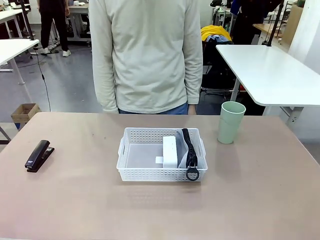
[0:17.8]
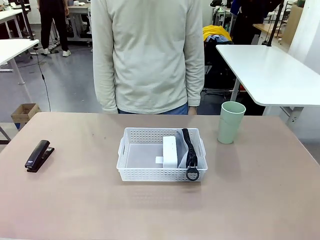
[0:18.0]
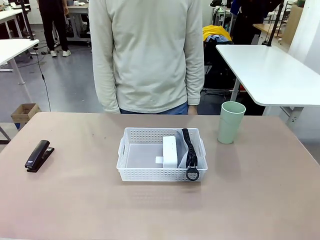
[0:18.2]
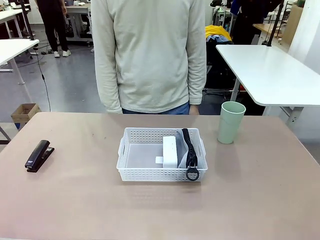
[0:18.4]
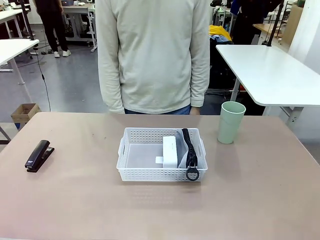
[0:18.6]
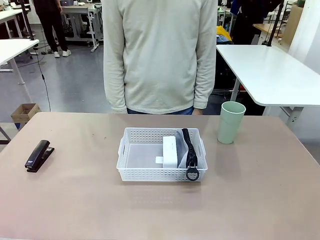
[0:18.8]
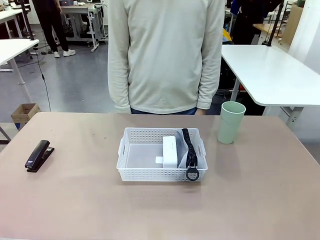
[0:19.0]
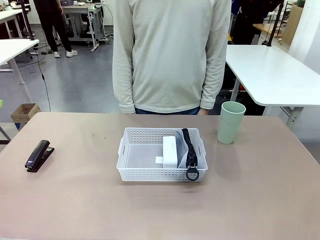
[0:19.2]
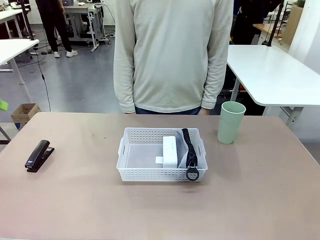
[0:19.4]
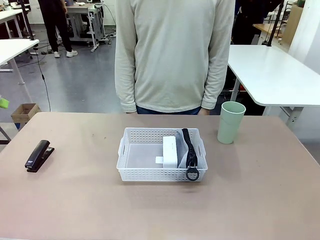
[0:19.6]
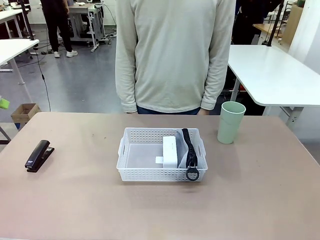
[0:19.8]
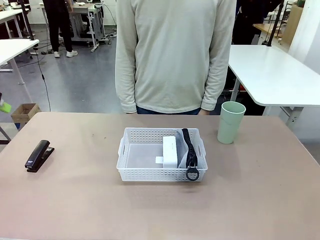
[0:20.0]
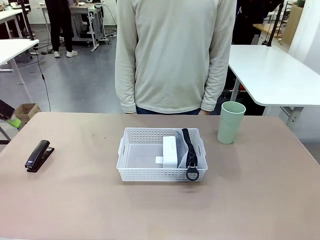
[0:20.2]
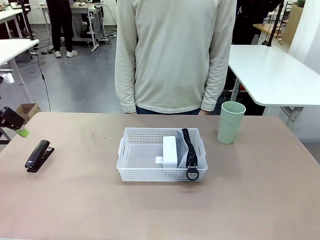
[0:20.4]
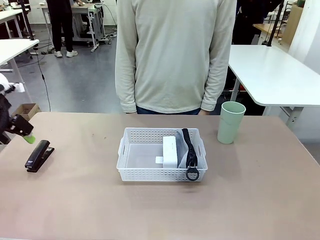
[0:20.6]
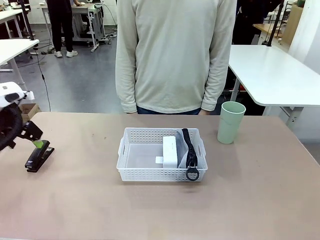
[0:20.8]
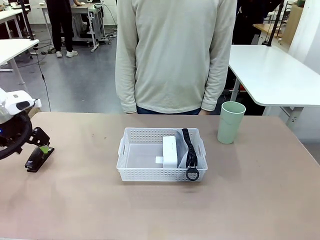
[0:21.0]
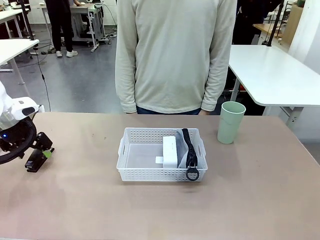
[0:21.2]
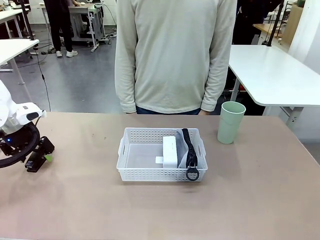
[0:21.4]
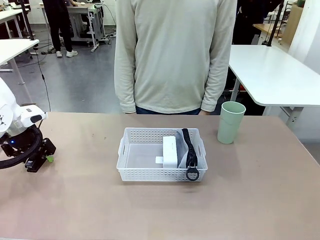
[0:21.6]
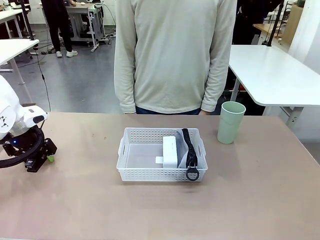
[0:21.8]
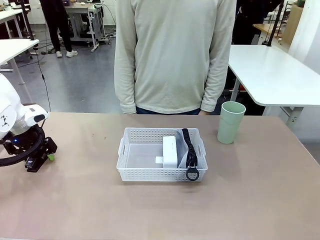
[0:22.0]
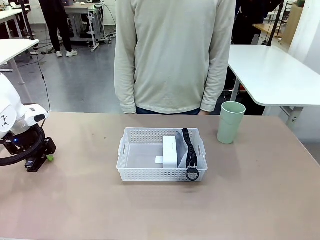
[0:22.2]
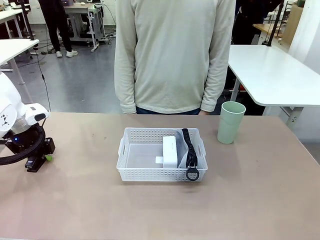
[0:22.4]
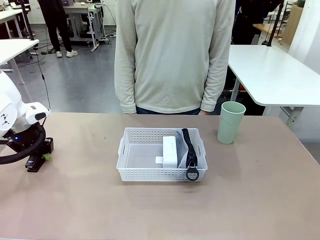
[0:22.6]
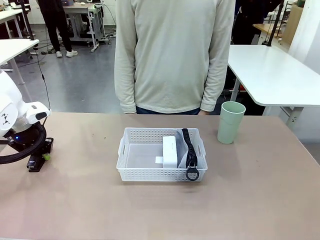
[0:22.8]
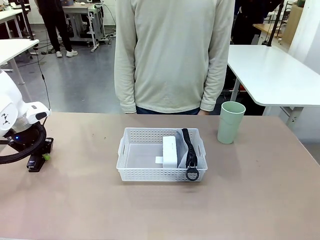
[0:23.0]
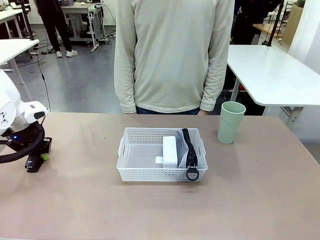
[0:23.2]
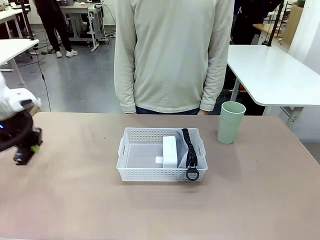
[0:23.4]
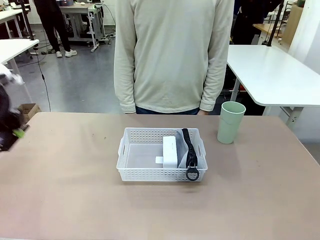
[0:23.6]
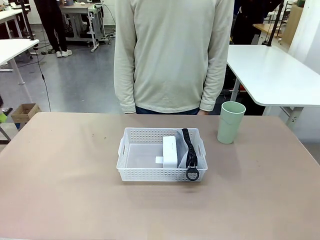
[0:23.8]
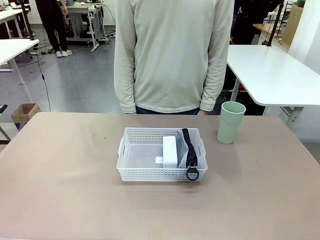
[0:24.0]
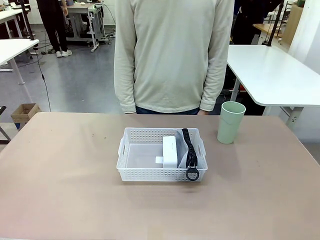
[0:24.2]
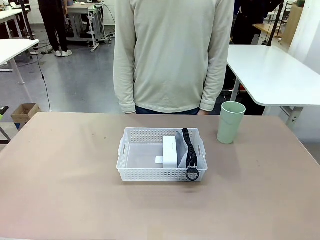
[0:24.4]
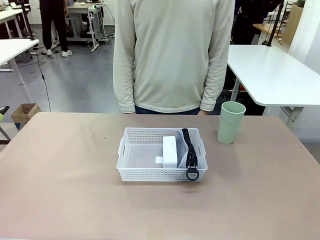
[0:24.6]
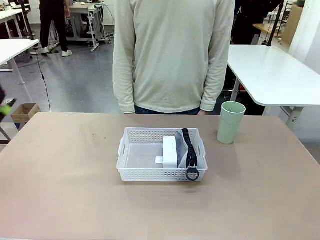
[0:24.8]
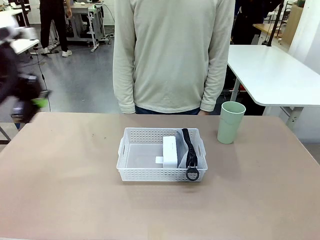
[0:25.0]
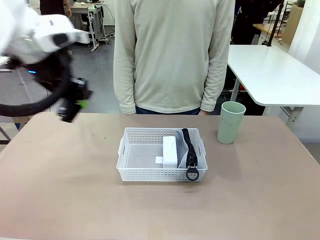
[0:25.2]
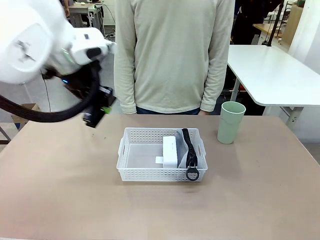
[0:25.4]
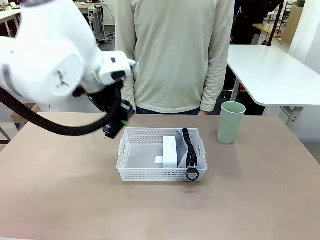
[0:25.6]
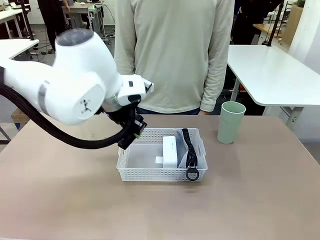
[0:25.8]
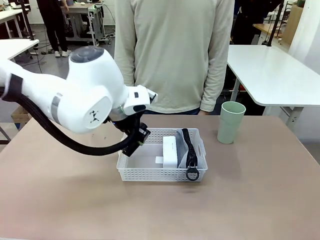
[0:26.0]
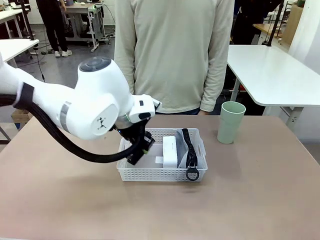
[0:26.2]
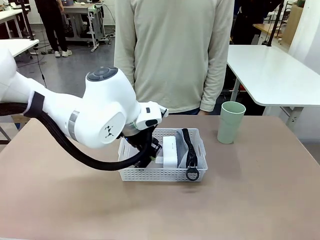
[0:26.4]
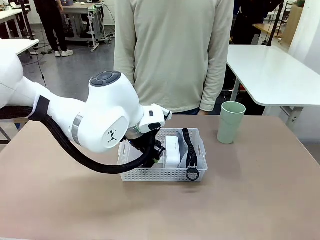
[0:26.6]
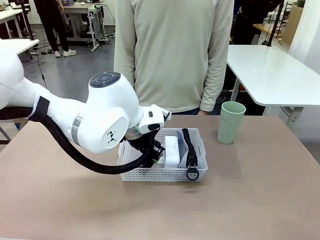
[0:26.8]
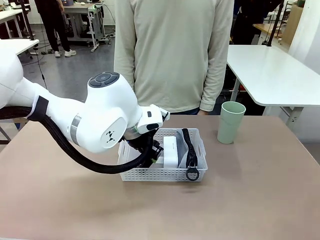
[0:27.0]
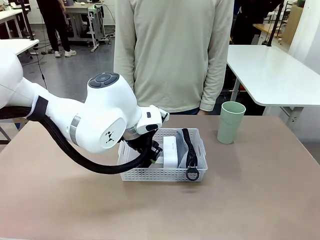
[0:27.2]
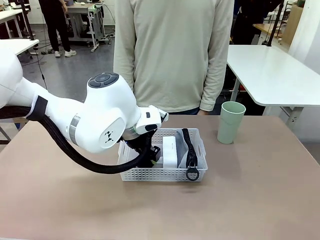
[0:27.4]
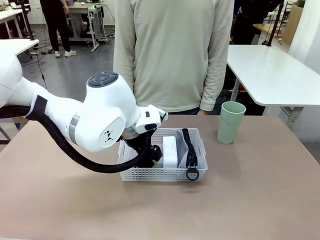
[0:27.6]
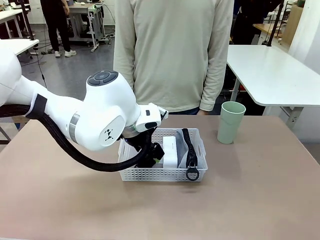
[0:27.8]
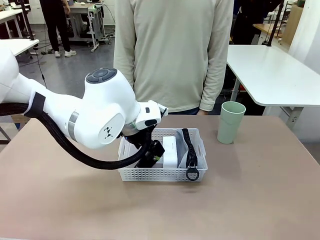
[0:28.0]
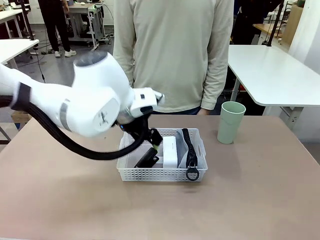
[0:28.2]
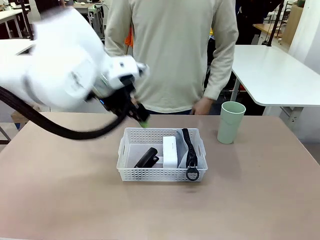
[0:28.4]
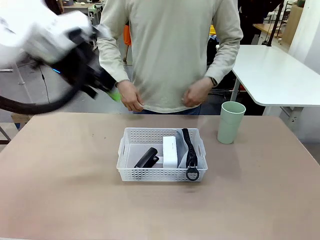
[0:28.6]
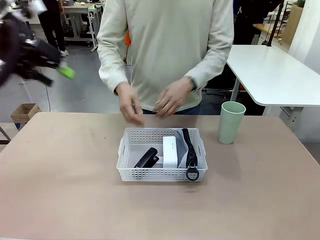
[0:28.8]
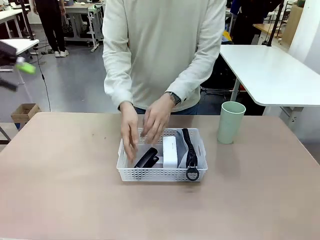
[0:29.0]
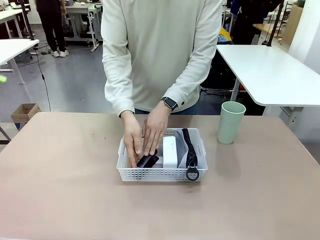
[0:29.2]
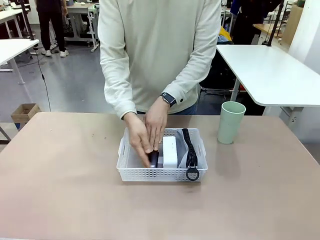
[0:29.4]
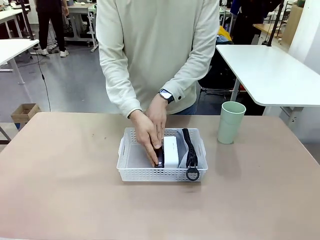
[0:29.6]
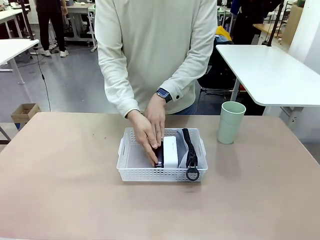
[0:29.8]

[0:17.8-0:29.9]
Task: Efficiently arrange items inside the basket to fit them all.
Robot: Pick up the Stapler and place it inside the Organizing basket.

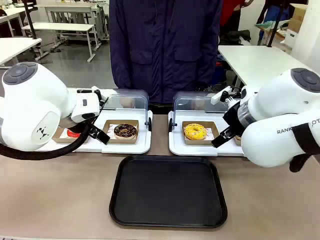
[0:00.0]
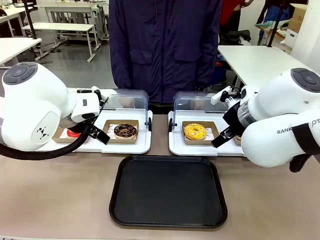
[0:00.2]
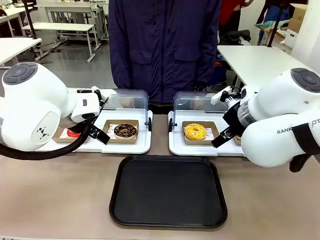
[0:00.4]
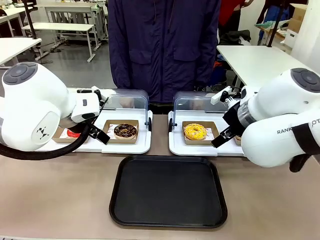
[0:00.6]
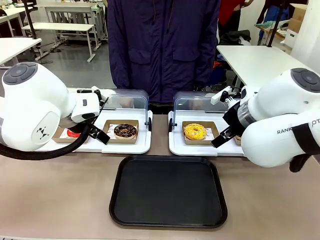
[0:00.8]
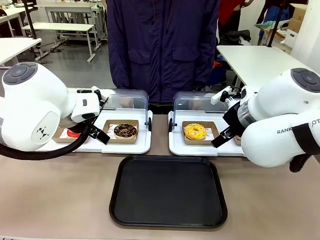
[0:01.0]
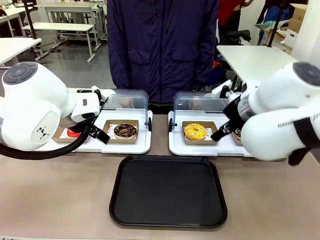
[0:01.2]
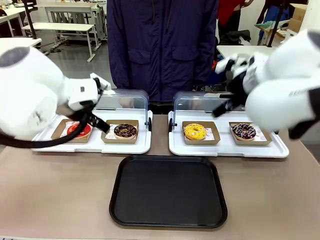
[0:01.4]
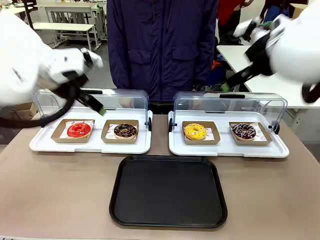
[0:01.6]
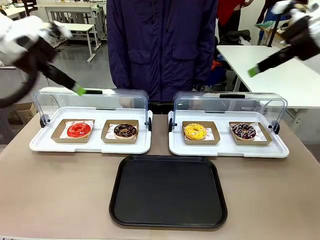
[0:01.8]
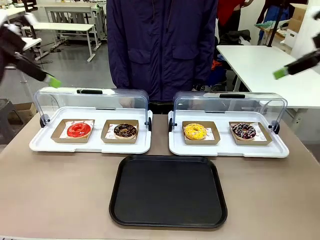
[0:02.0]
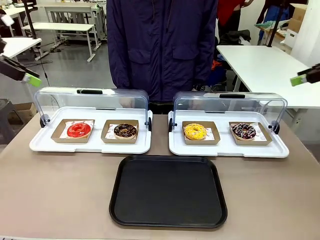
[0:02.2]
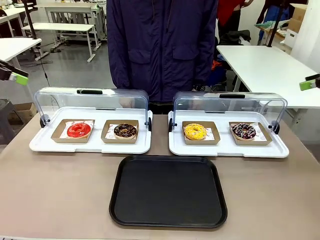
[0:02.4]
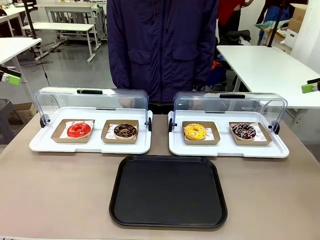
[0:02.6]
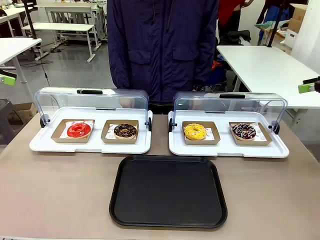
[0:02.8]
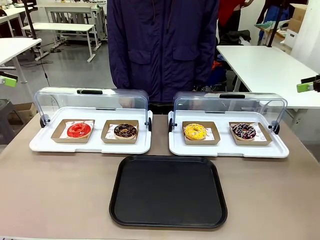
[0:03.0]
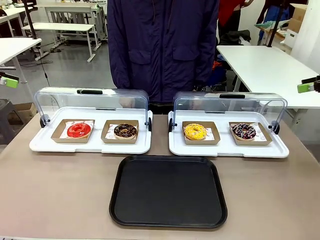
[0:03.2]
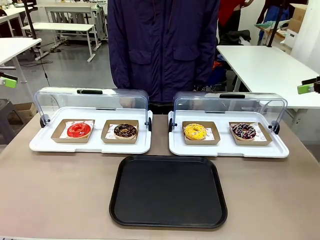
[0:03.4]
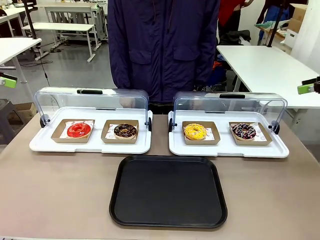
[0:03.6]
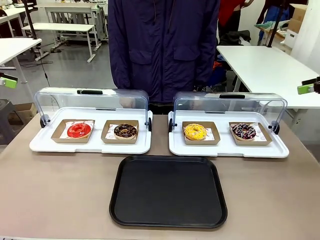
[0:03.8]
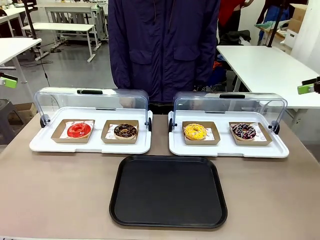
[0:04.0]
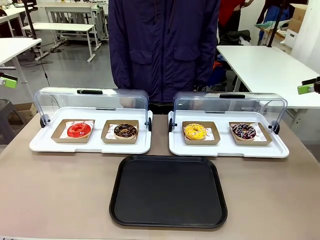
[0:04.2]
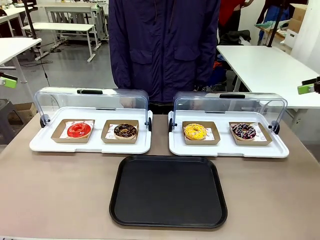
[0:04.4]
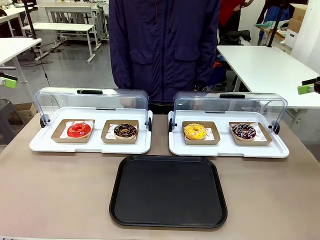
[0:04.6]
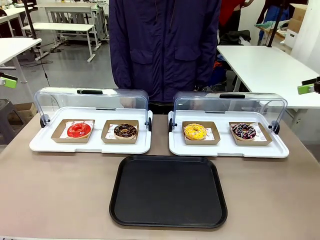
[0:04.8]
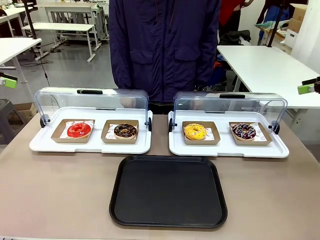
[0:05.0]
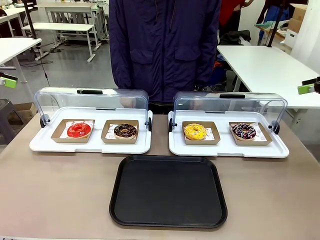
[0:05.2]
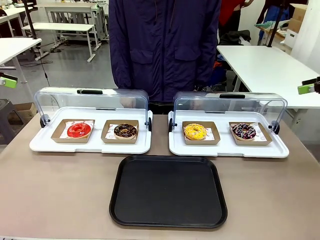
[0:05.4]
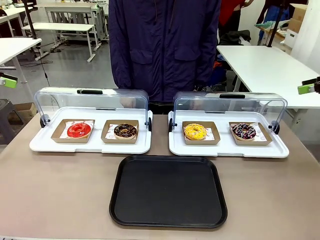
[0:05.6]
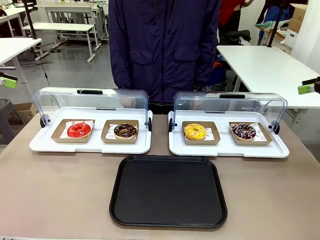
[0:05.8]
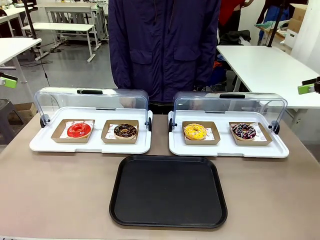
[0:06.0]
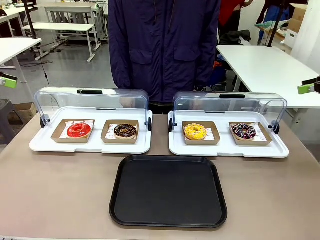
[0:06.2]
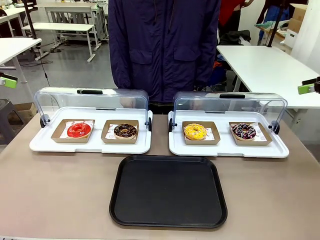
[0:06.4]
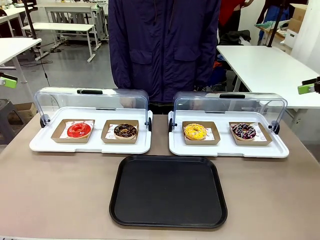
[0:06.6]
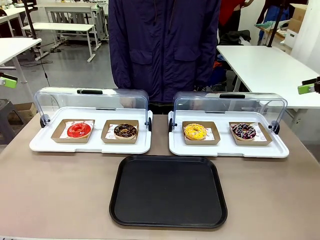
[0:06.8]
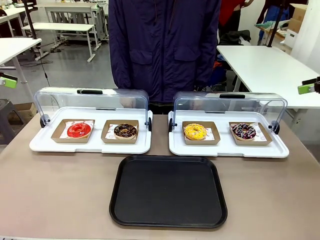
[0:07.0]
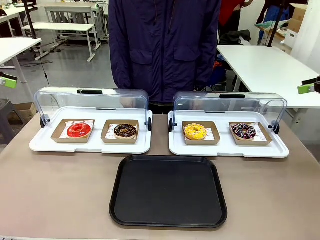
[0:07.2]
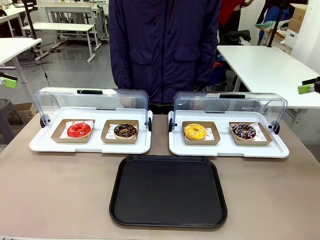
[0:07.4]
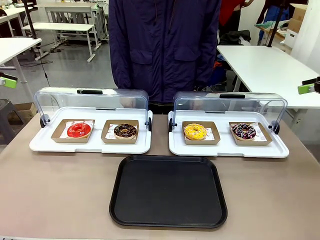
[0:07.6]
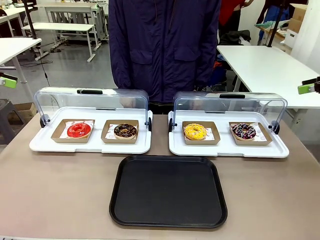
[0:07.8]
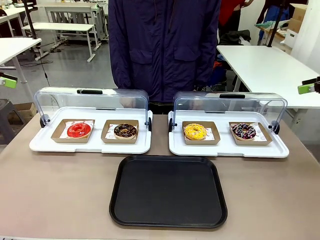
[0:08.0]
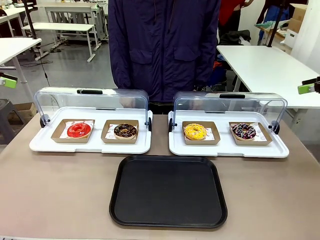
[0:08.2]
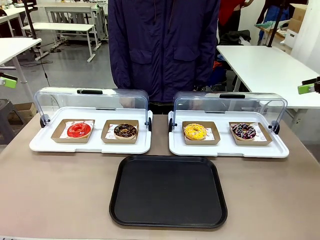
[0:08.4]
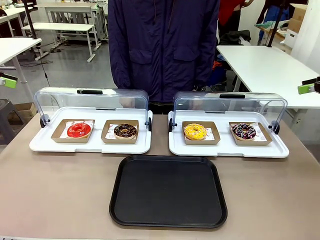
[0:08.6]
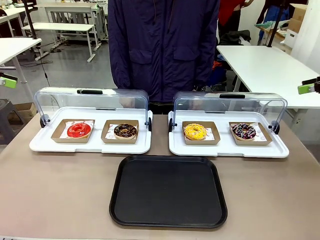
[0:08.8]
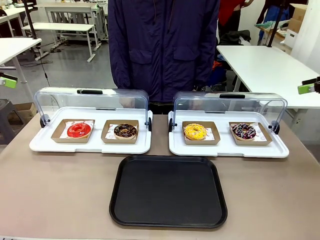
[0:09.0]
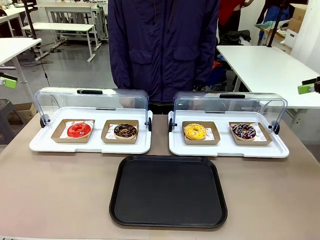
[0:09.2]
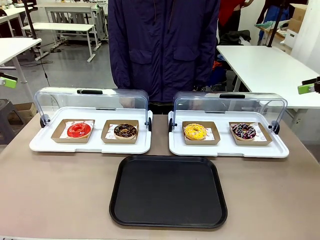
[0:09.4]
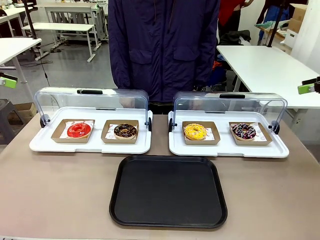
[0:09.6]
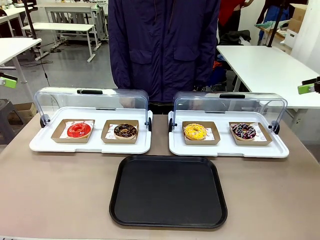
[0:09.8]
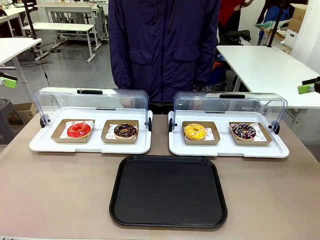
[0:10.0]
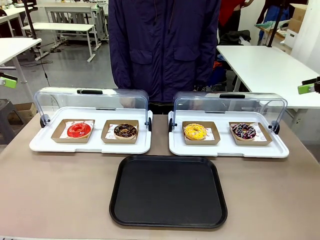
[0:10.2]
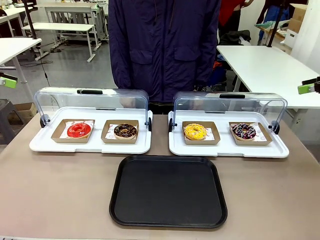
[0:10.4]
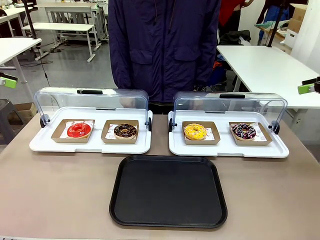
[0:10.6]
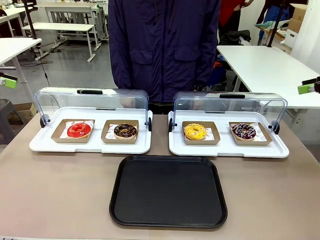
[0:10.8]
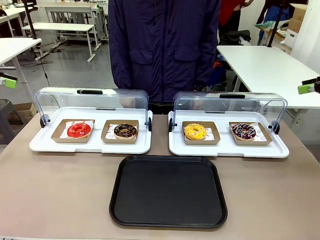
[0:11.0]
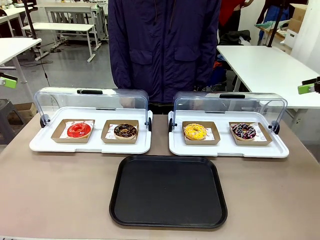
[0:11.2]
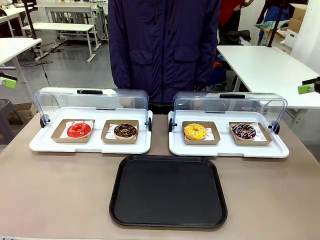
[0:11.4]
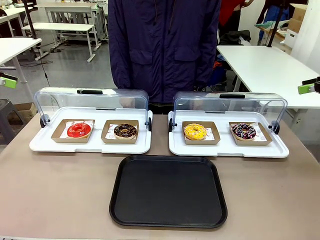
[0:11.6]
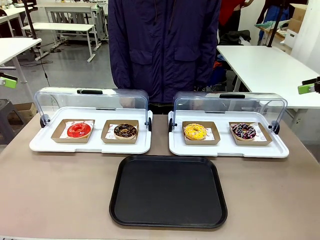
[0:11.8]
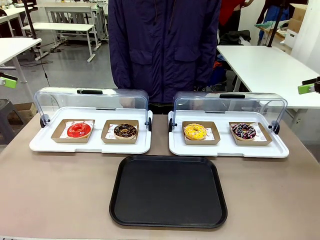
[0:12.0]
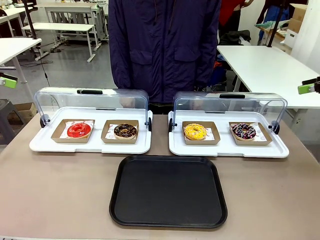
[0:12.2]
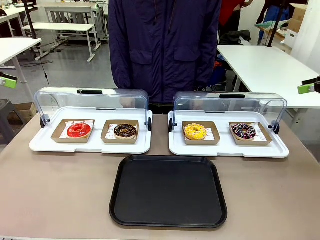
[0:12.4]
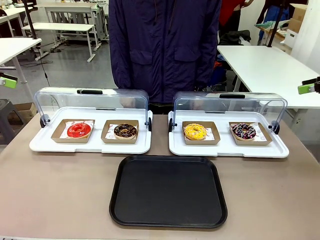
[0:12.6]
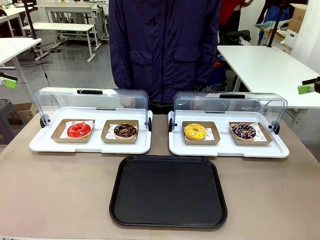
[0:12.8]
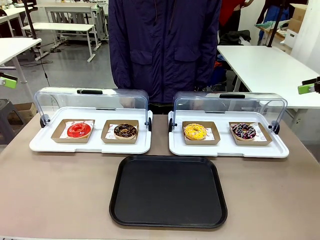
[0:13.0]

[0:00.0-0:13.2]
Task: Move the first donut from the left to the tray.
Robot: Pick up the Paper togo box containing the Donut indicated by the person and place it on the Handle tray.
